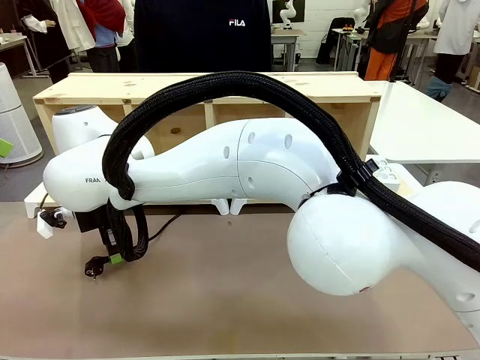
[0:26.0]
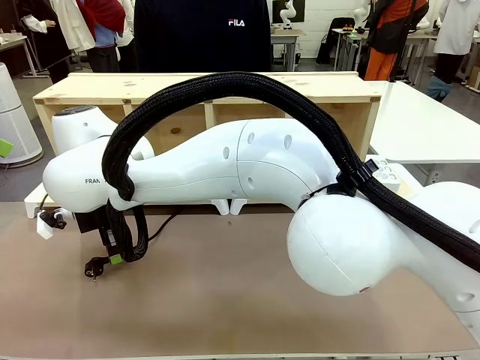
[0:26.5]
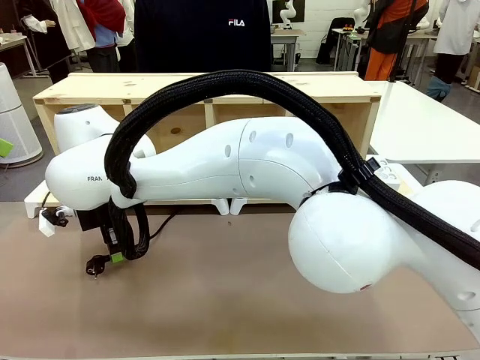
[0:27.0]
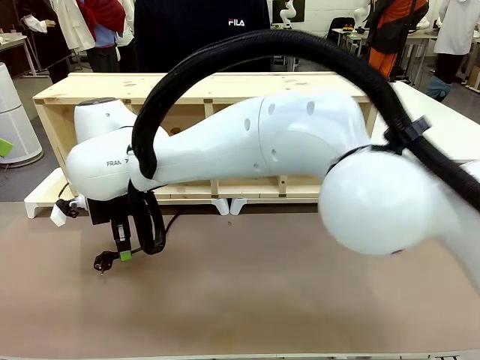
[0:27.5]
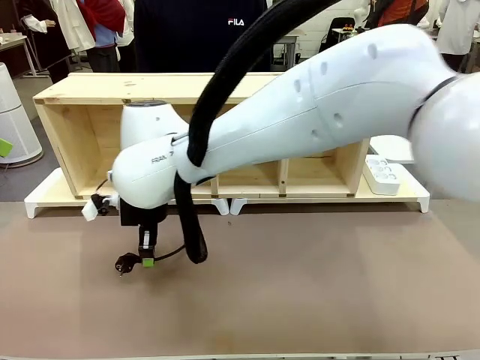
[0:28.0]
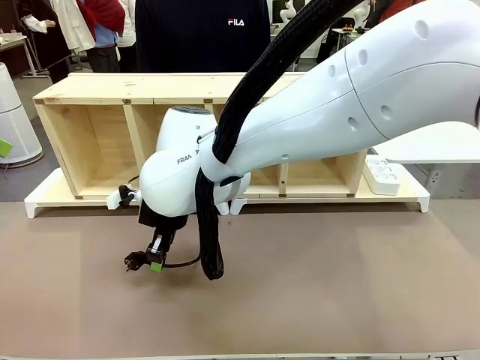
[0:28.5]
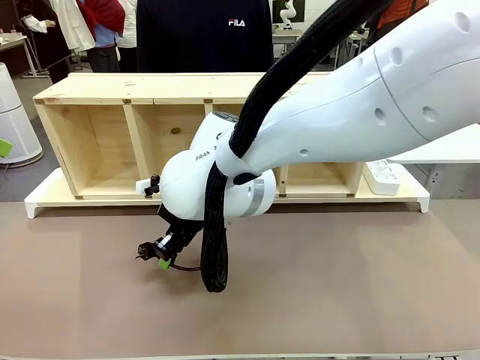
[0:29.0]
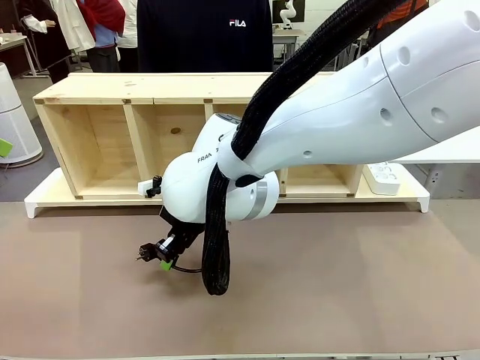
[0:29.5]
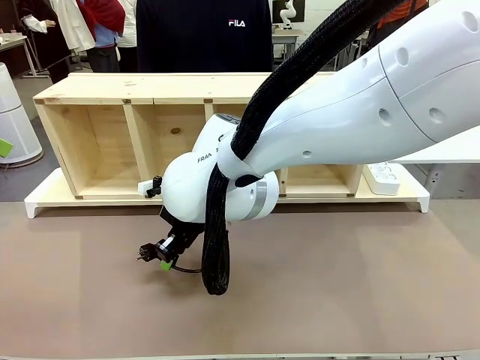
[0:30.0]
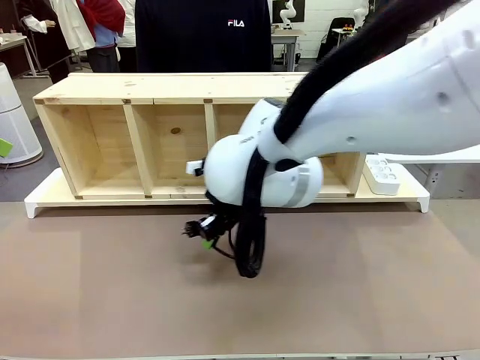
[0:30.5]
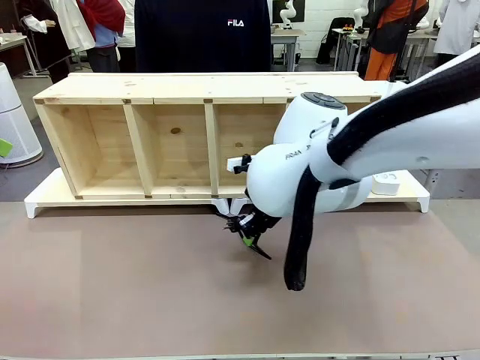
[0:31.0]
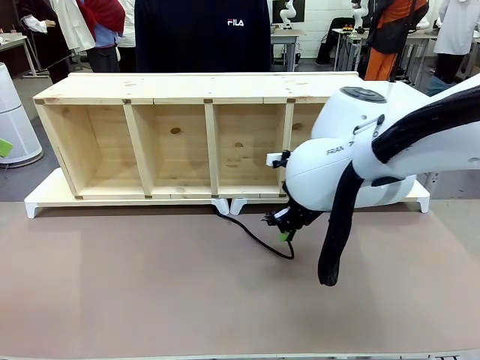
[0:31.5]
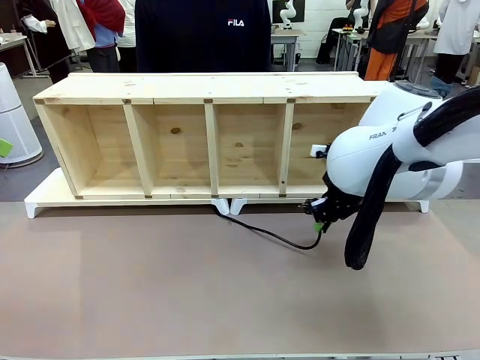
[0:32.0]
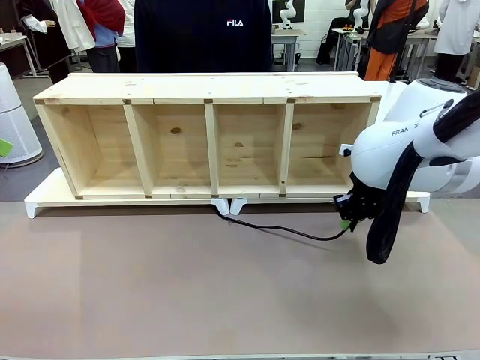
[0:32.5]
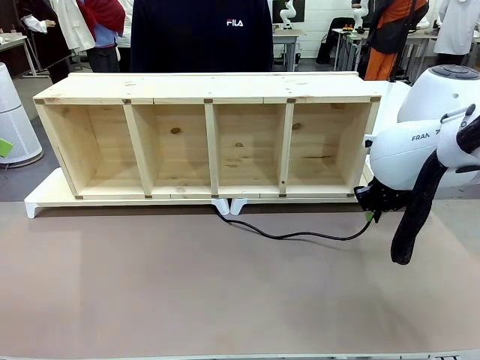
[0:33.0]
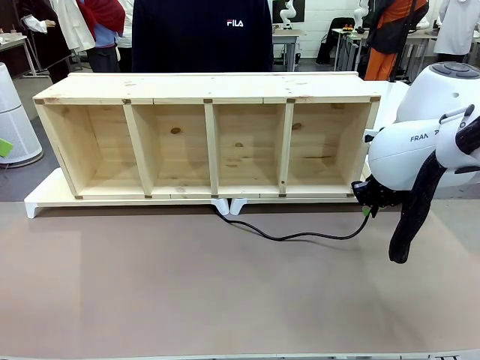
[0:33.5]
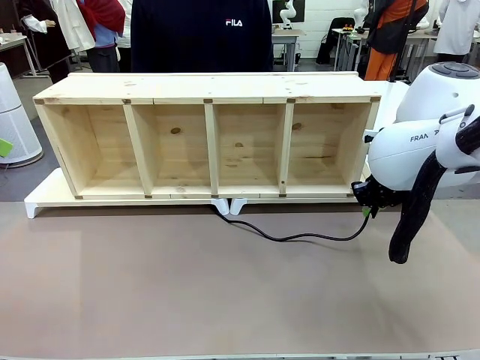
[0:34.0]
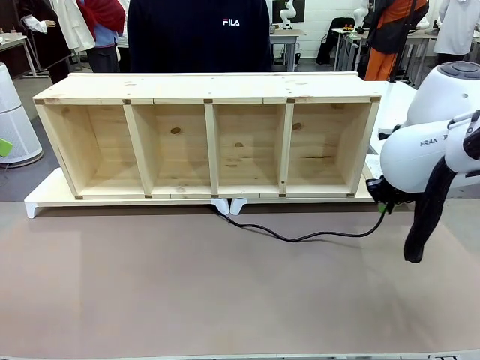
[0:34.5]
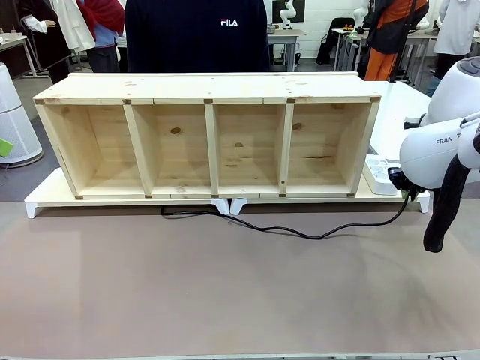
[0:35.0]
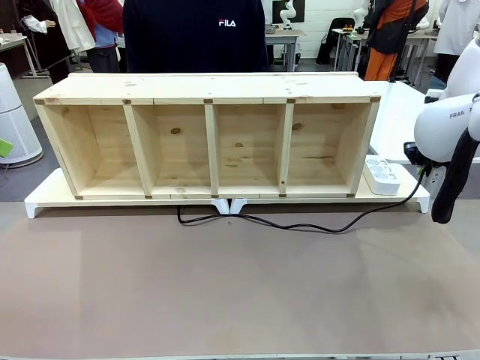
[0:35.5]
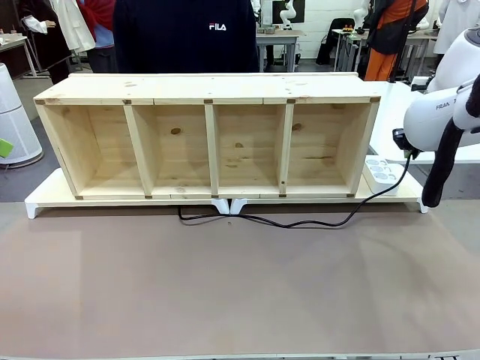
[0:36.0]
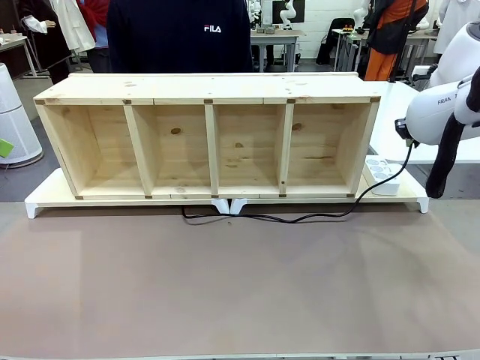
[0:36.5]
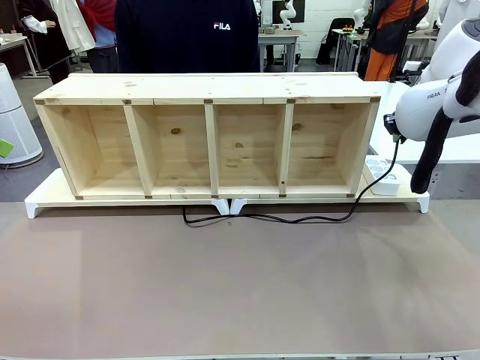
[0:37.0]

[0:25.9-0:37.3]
Task: Perform cable management.
Robot: Pull the grasped Power Cable to the location of the Power Strip.

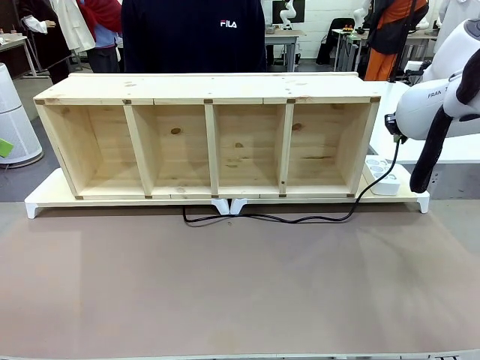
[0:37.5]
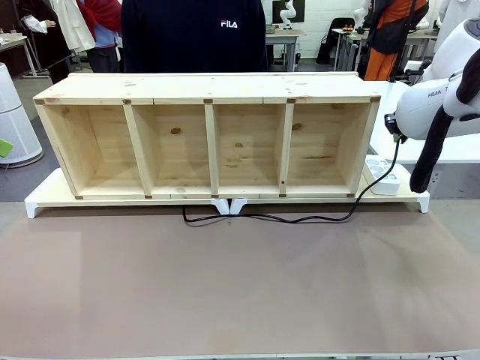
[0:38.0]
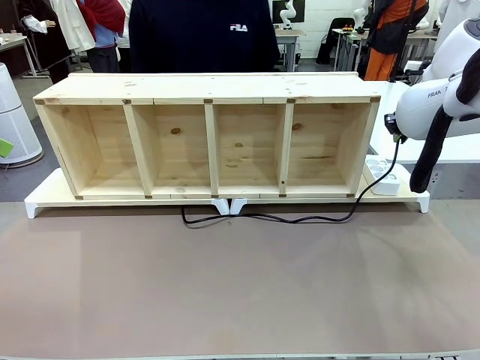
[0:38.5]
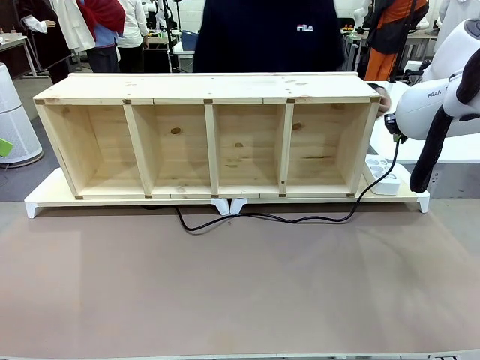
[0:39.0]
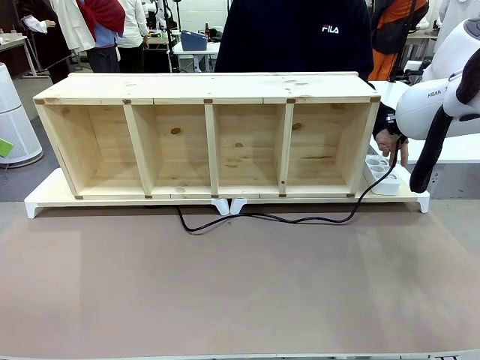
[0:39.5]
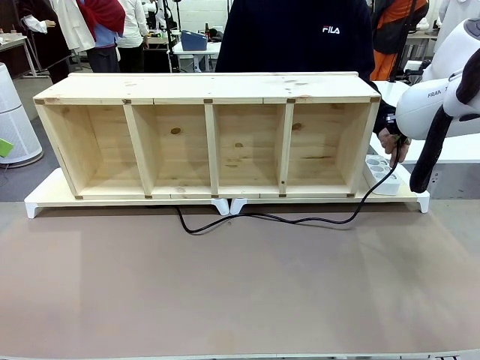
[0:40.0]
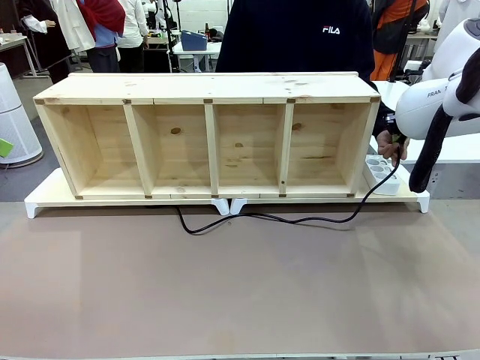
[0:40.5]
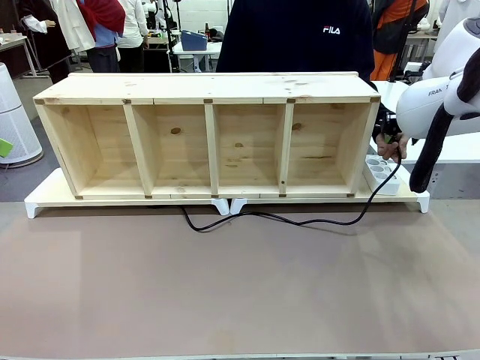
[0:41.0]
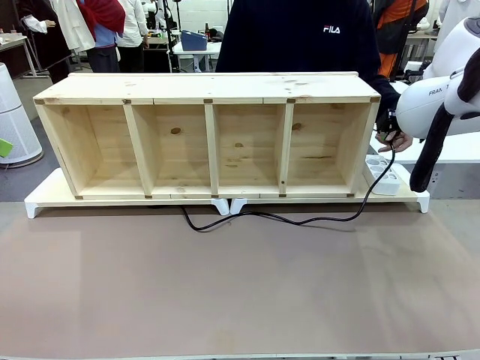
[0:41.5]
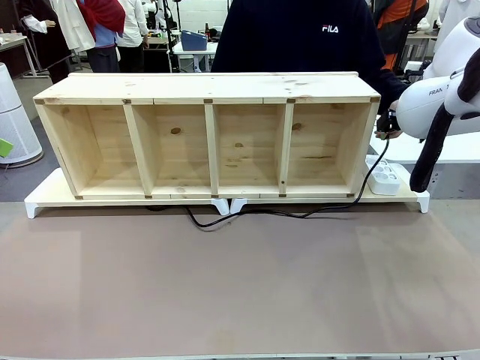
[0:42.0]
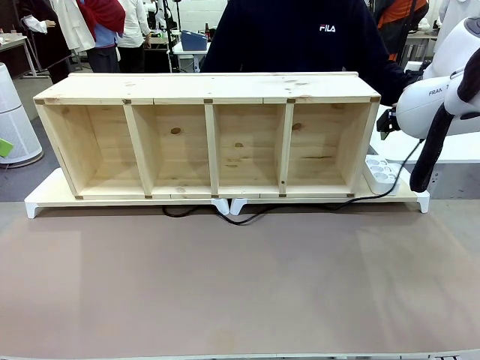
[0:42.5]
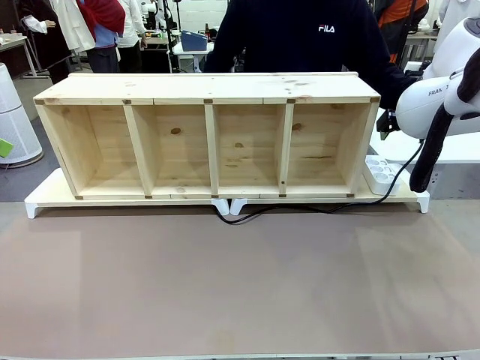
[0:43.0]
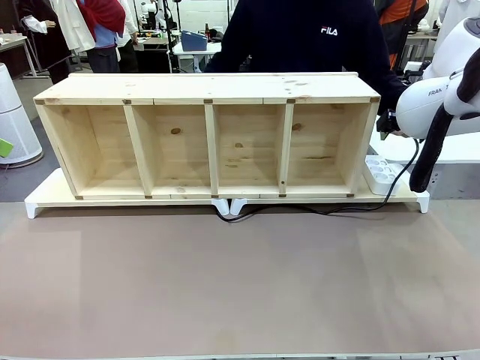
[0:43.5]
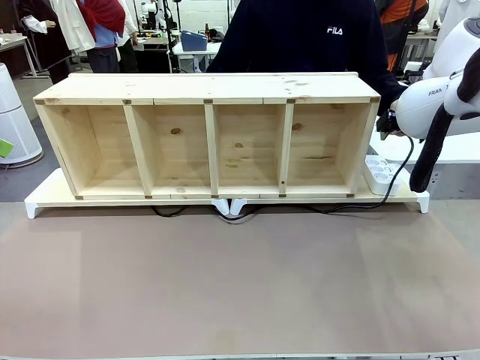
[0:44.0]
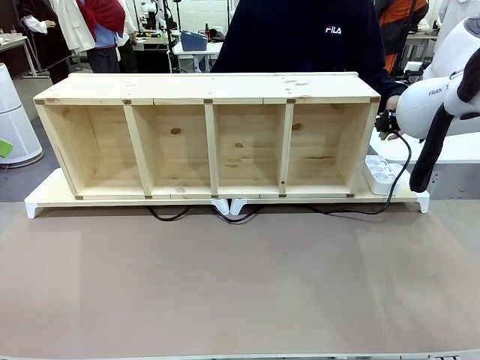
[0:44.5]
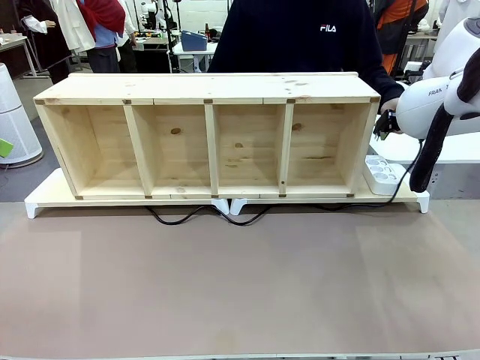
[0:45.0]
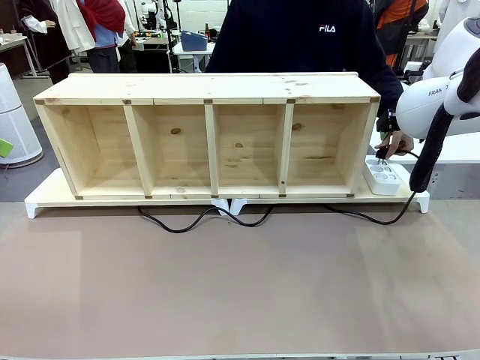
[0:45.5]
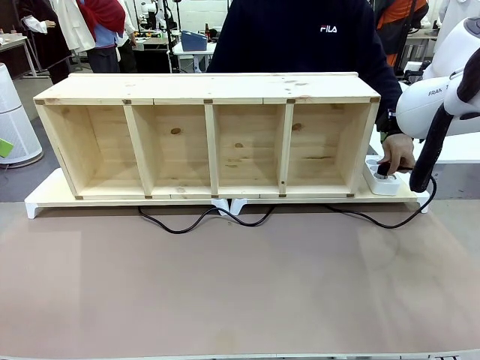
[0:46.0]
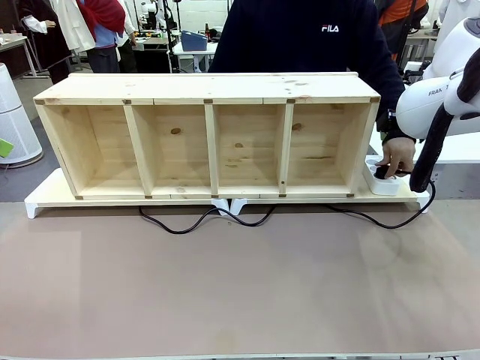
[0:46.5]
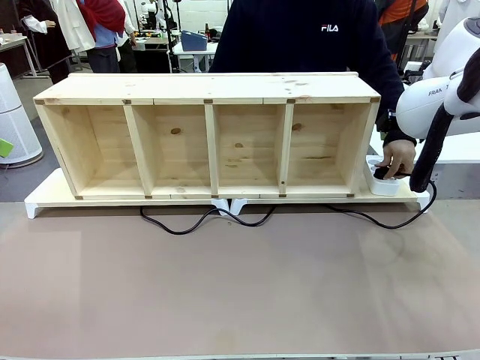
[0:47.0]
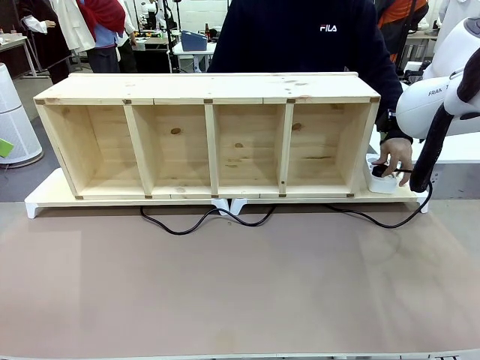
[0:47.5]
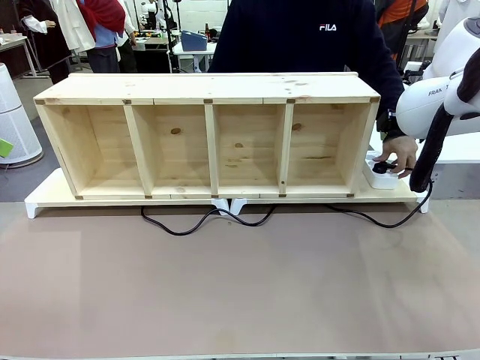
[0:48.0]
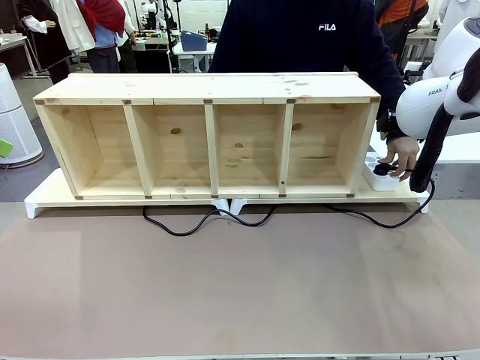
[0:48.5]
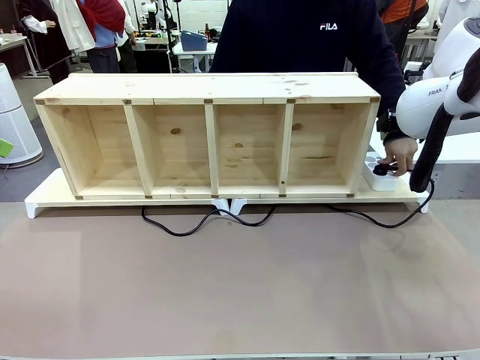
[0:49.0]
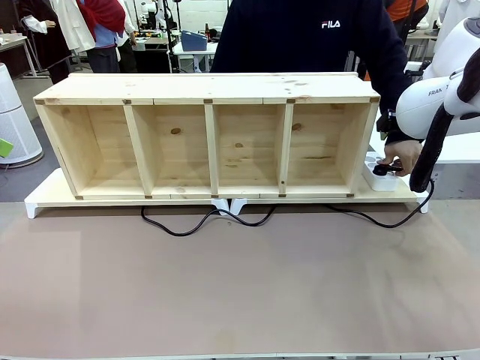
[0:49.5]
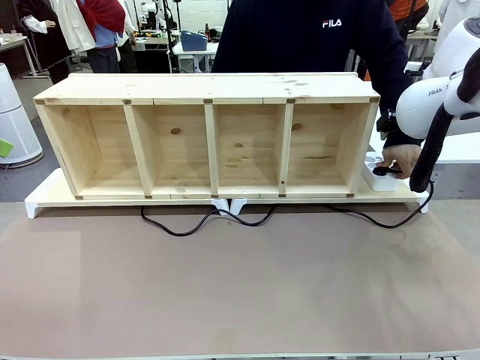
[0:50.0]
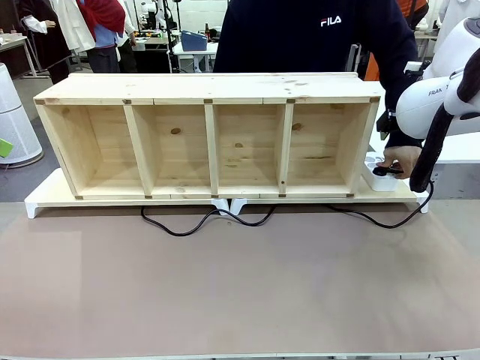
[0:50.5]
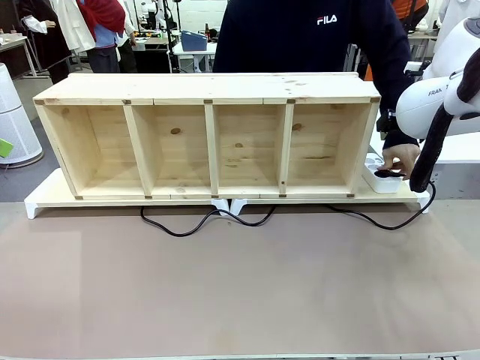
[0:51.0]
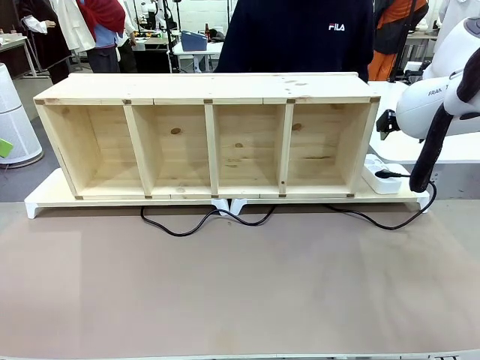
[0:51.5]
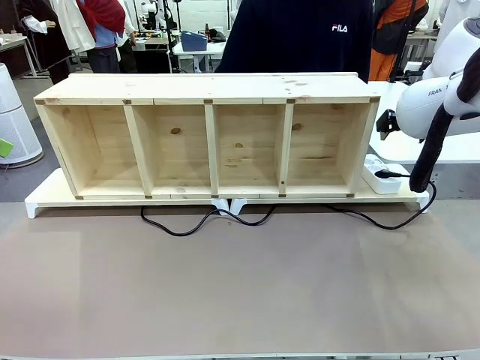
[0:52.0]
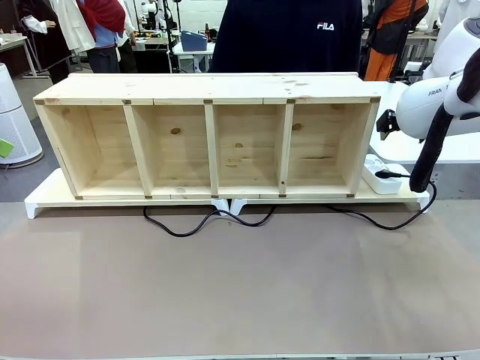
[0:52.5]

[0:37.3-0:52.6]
Robot: Release the Power Cable when the human grasps it.
Person: Plug the Power Cable into the Power Strip.
